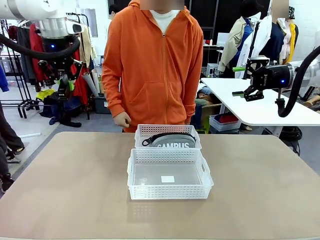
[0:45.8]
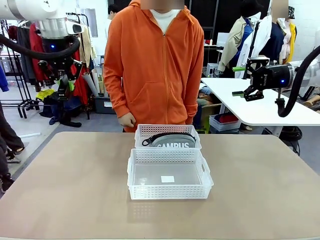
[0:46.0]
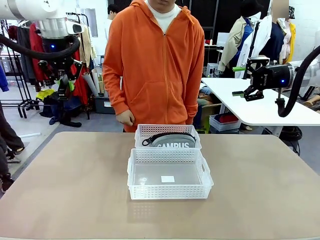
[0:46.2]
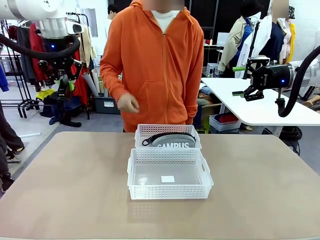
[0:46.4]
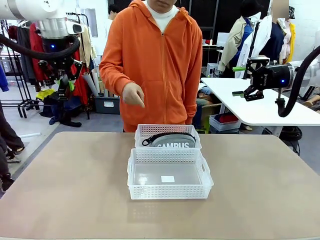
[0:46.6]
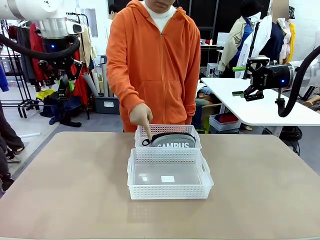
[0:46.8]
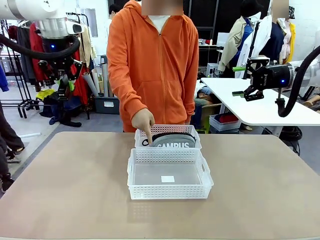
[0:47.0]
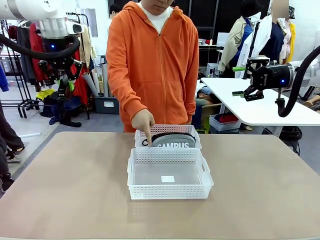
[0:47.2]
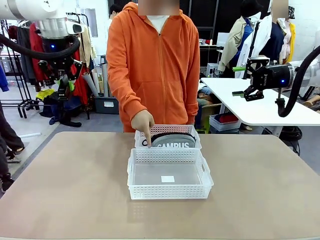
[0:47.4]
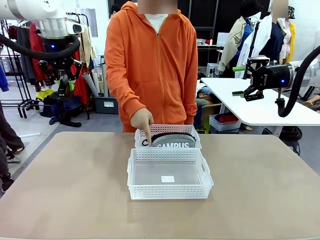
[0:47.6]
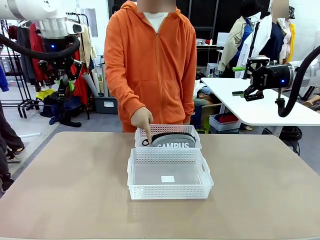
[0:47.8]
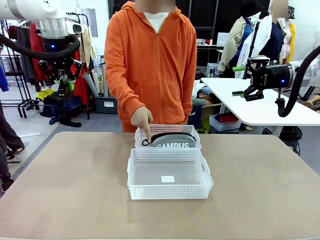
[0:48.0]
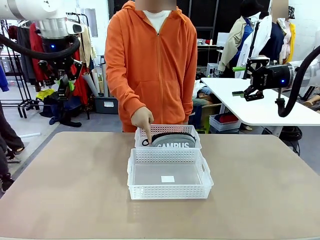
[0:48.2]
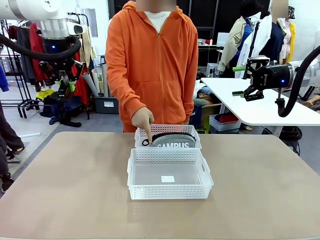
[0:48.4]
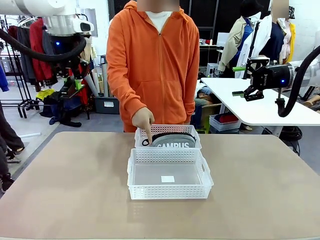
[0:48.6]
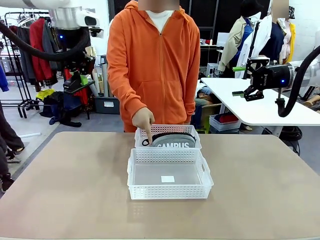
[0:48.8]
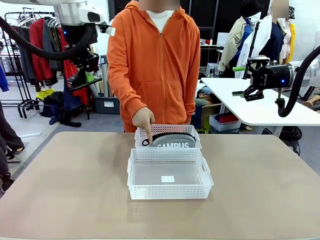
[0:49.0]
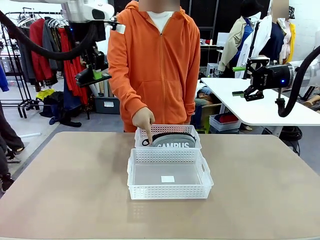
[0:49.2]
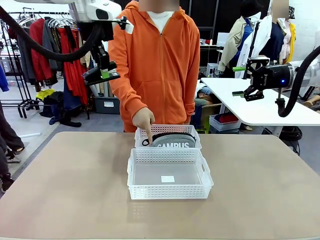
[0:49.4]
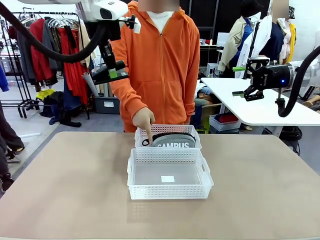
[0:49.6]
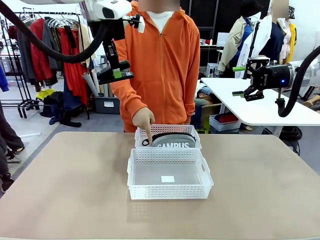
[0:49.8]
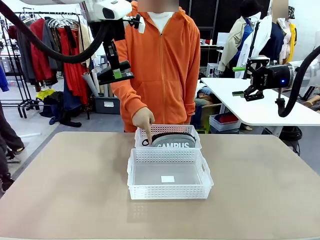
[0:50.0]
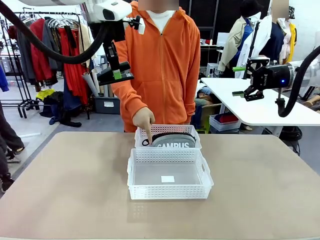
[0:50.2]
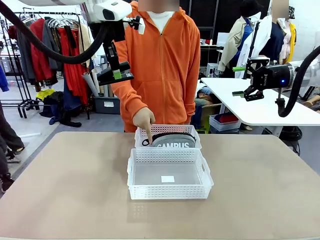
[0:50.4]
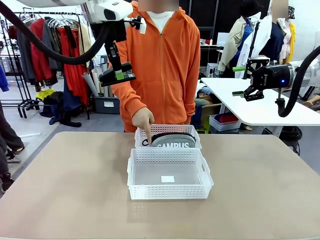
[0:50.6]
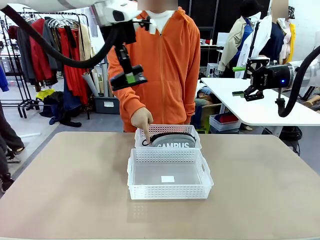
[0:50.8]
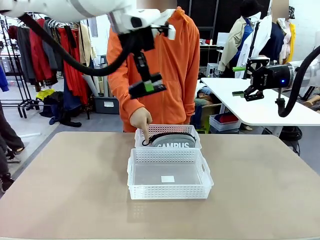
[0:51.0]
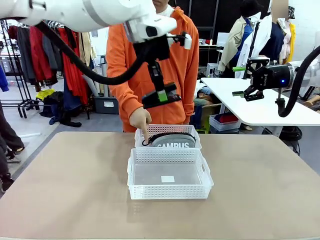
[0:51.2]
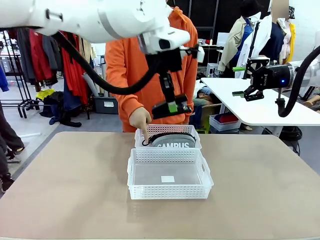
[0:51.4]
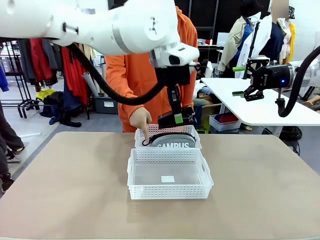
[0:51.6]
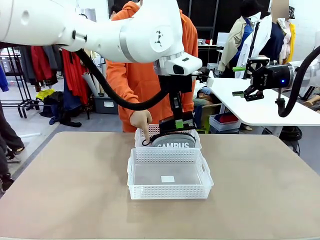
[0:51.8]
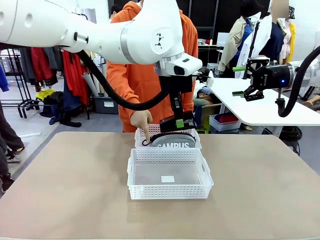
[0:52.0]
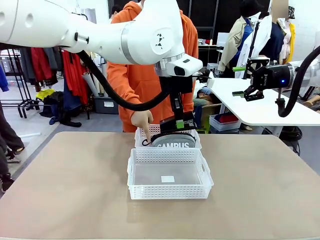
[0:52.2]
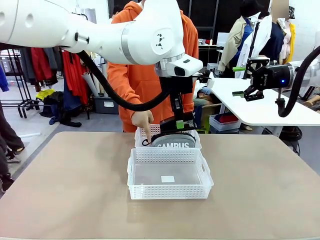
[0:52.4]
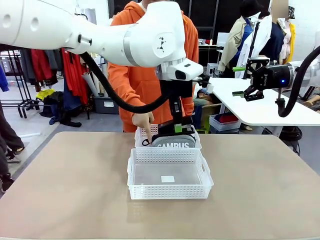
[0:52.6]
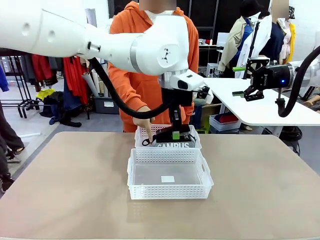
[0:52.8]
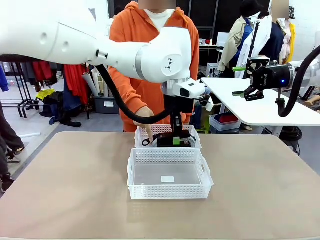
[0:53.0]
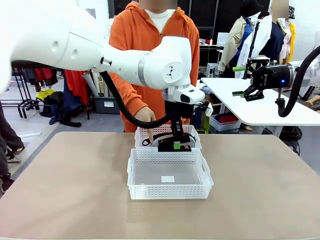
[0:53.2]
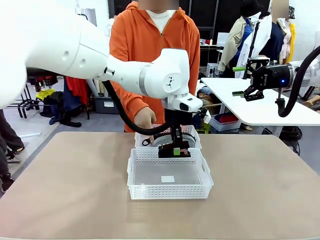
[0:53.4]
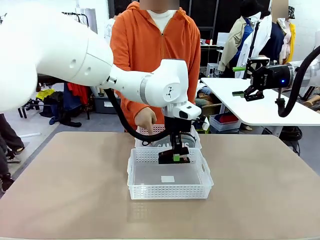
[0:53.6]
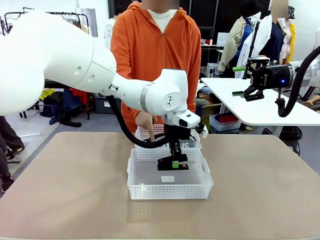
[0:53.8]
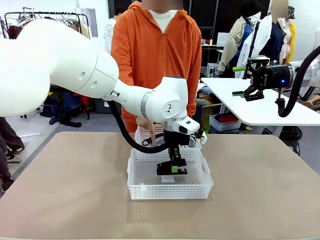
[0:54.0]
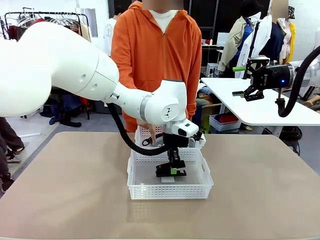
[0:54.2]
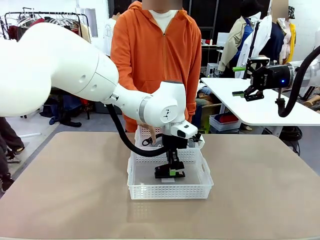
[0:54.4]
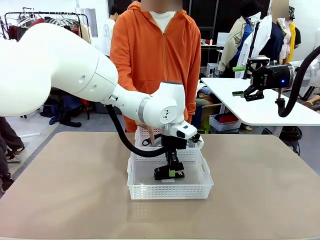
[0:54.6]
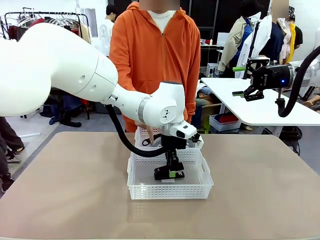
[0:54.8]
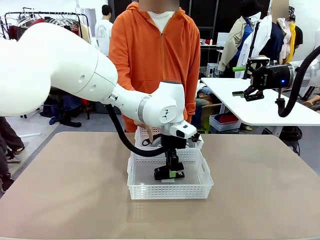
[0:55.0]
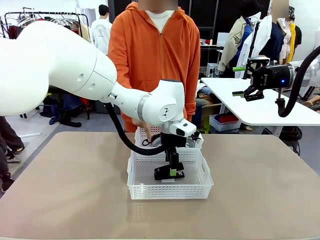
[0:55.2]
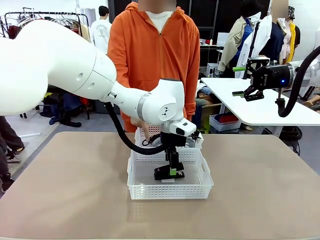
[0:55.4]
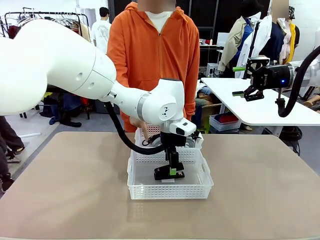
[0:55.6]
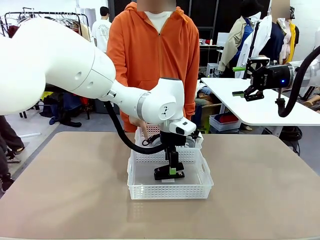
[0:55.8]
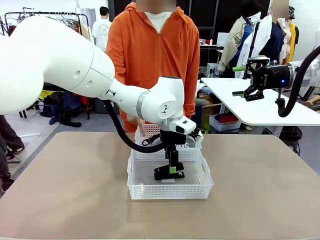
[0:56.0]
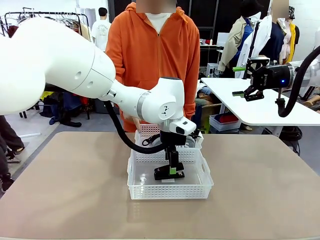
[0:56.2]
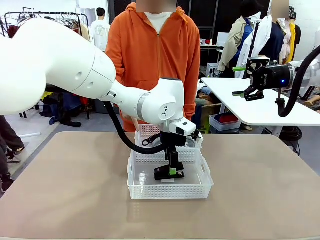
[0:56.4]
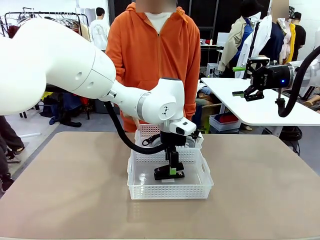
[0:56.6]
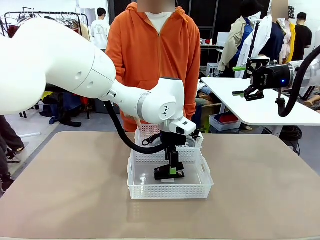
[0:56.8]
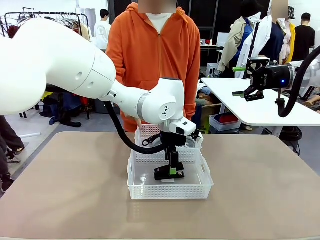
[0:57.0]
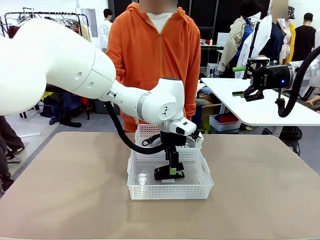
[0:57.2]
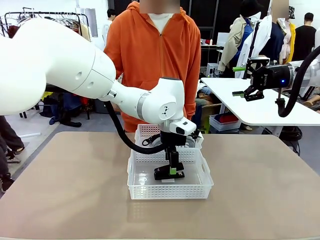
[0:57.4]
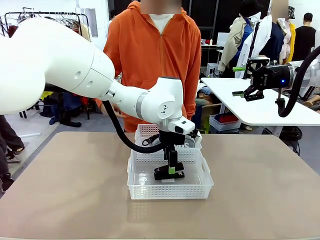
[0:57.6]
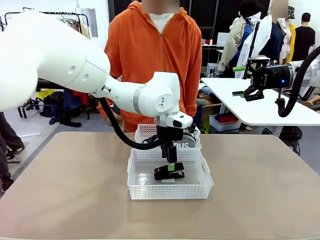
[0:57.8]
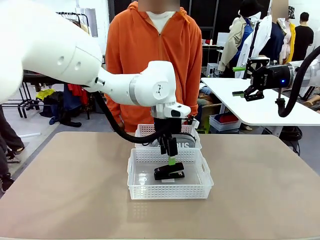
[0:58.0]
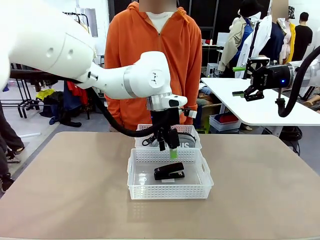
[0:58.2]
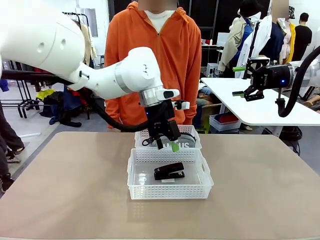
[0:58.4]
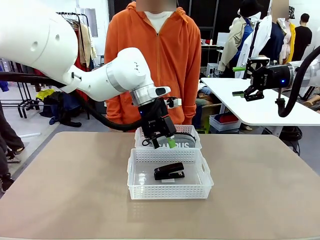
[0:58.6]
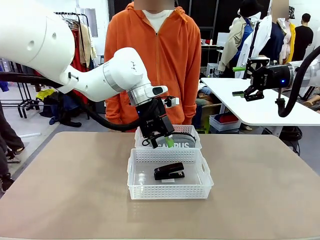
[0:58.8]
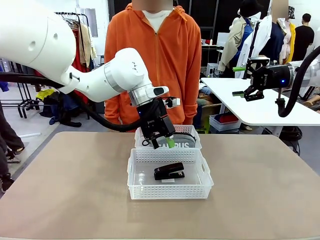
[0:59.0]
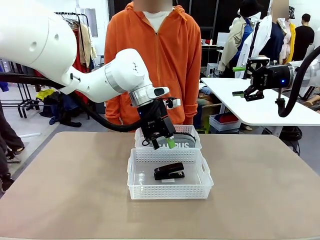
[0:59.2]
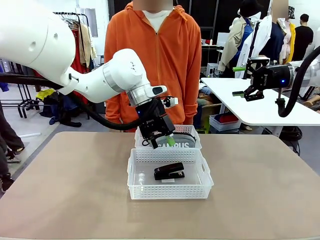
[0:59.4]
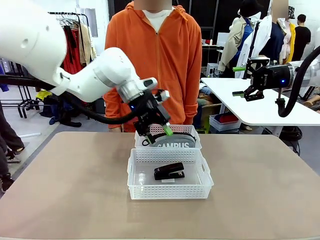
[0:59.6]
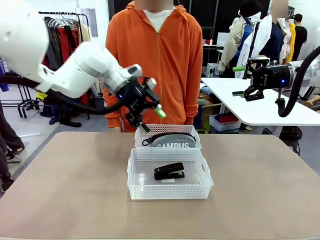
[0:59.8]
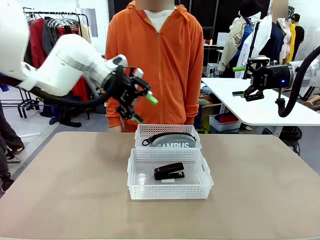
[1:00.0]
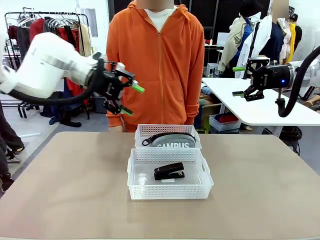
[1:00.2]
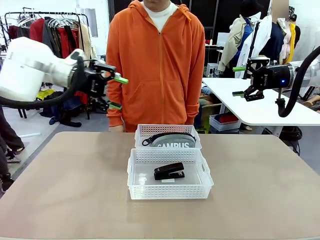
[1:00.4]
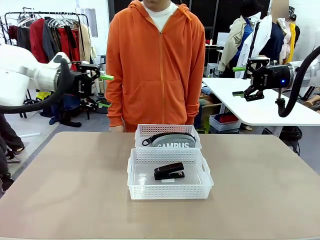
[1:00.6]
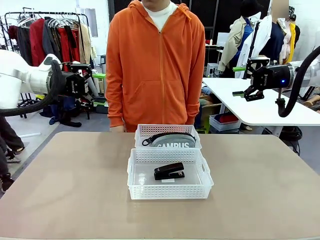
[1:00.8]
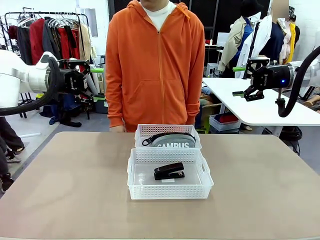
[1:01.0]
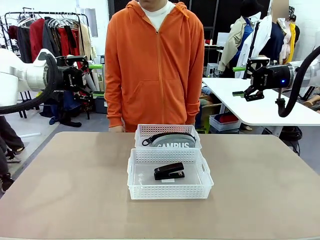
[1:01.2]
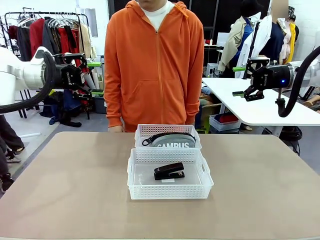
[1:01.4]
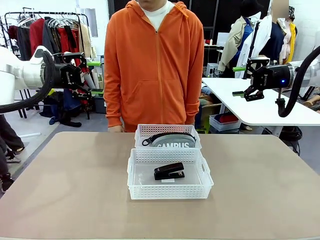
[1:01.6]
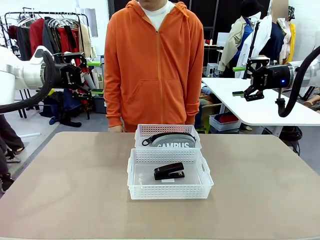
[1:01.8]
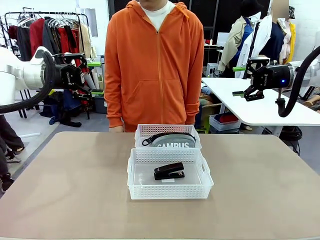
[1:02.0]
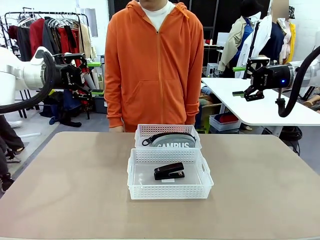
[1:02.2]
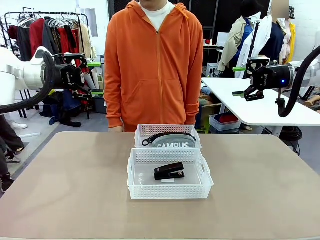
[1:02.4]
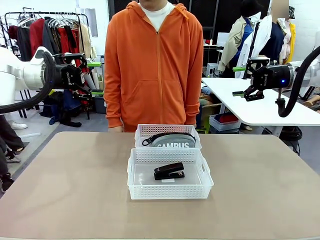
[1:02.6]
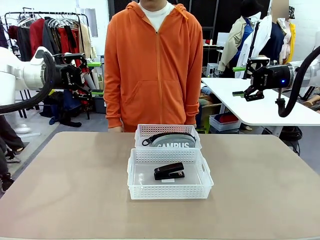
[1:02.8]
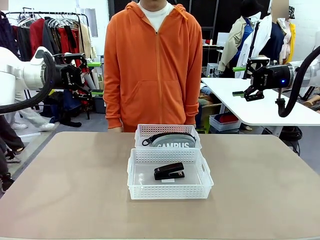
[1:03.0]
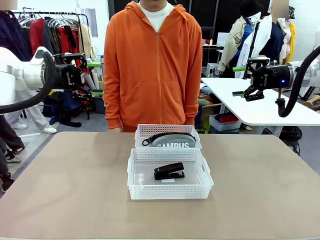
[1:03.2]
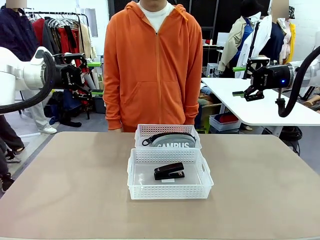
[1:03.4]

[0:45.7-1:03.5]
Task: Distribute items into two baskets.
Robot: Place the picked Stapler into the Organizing basket as instructed by the person.
Person: Points to the basket that does not contain the pencil case and instructs the robot to move the stapler there.
